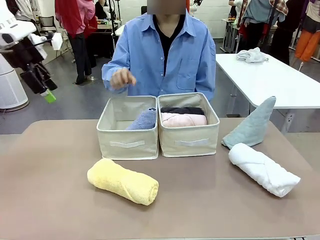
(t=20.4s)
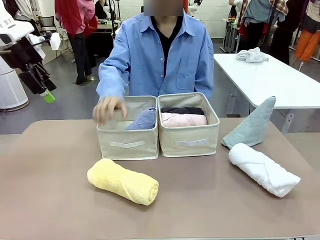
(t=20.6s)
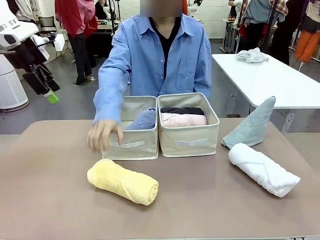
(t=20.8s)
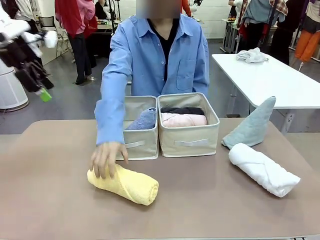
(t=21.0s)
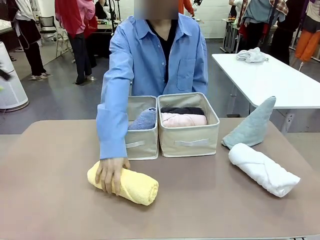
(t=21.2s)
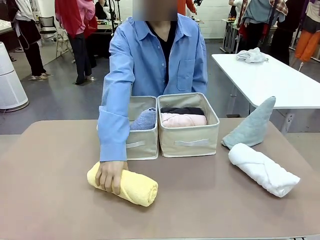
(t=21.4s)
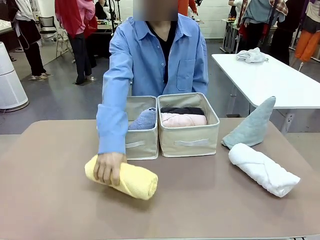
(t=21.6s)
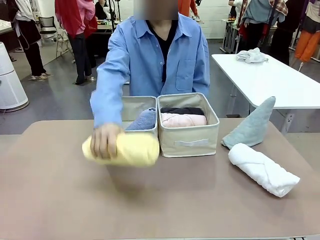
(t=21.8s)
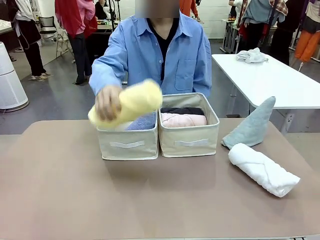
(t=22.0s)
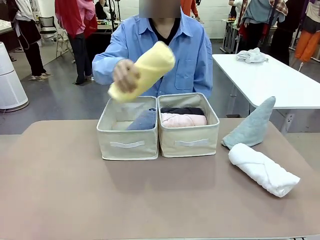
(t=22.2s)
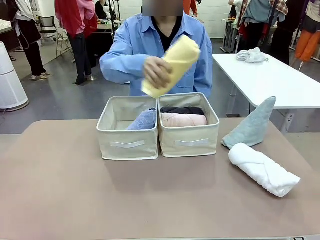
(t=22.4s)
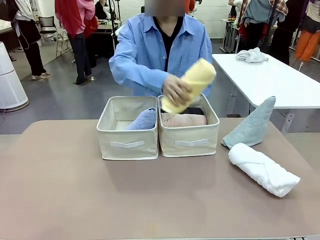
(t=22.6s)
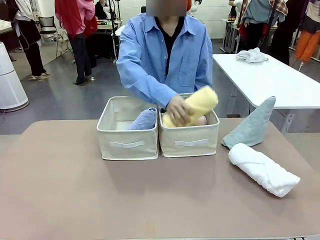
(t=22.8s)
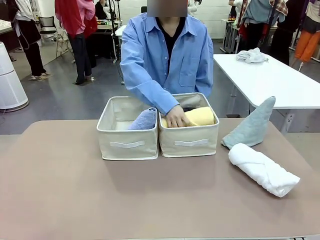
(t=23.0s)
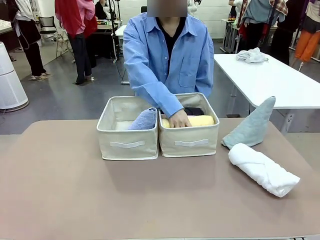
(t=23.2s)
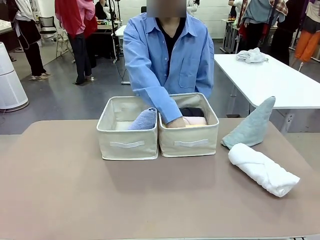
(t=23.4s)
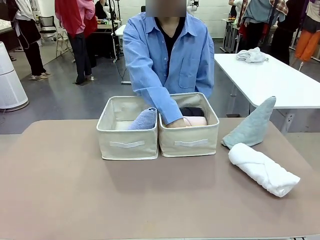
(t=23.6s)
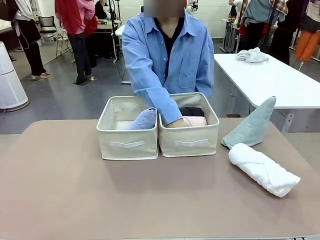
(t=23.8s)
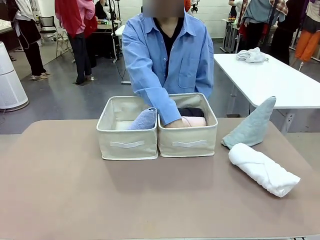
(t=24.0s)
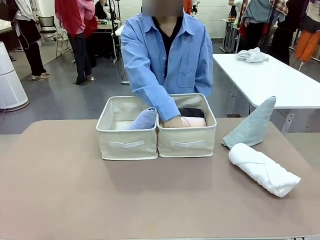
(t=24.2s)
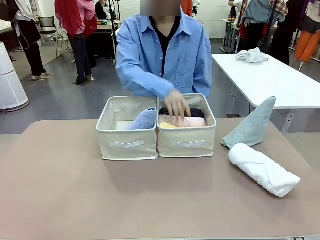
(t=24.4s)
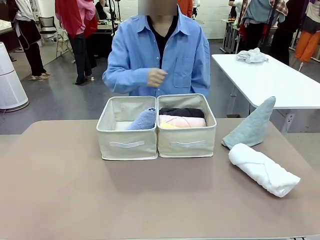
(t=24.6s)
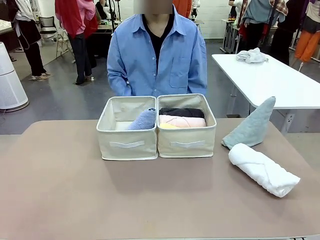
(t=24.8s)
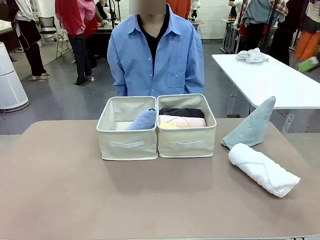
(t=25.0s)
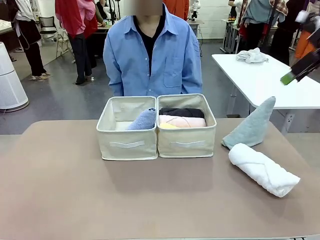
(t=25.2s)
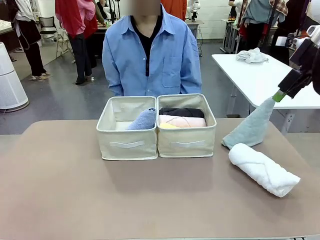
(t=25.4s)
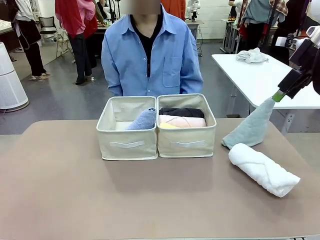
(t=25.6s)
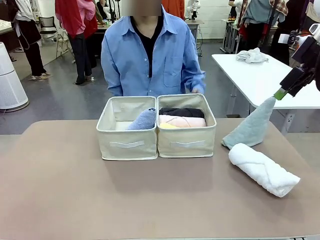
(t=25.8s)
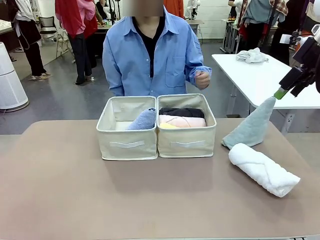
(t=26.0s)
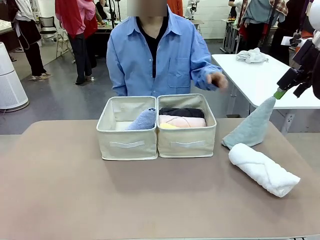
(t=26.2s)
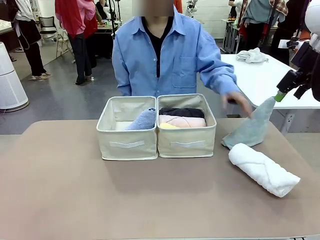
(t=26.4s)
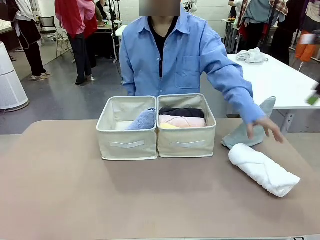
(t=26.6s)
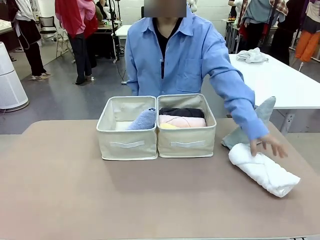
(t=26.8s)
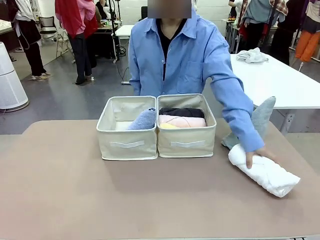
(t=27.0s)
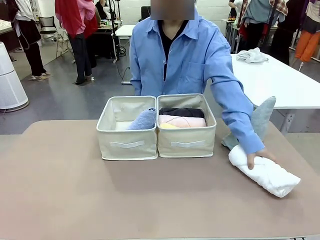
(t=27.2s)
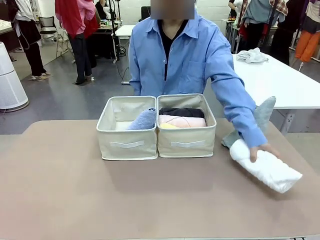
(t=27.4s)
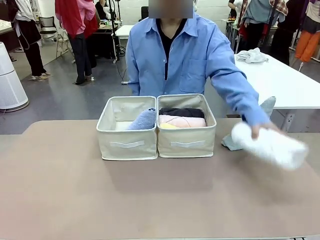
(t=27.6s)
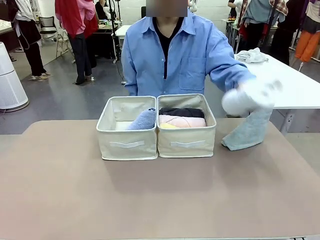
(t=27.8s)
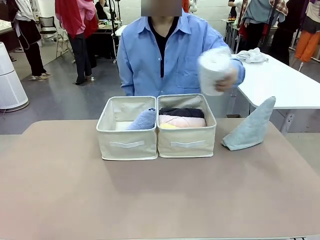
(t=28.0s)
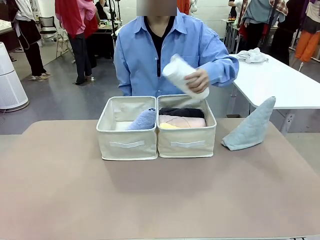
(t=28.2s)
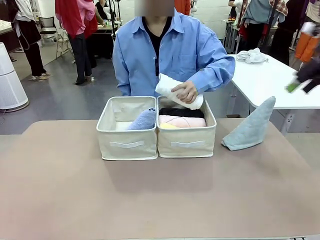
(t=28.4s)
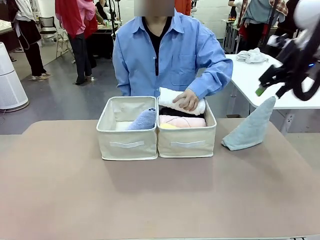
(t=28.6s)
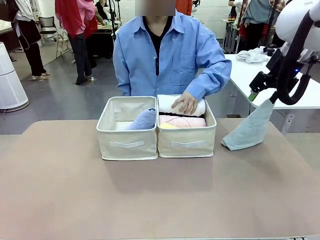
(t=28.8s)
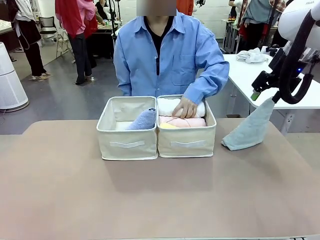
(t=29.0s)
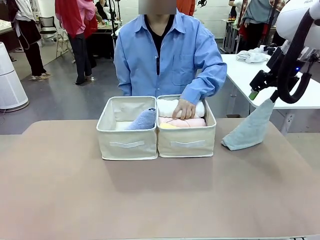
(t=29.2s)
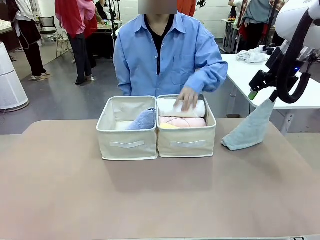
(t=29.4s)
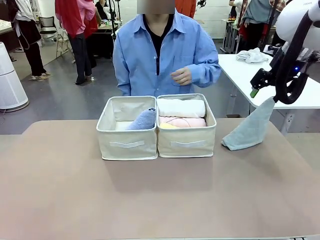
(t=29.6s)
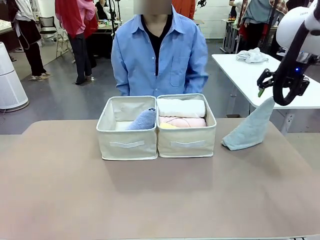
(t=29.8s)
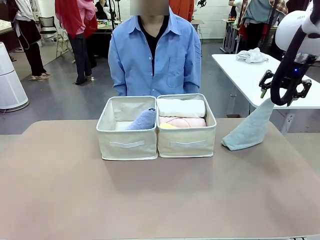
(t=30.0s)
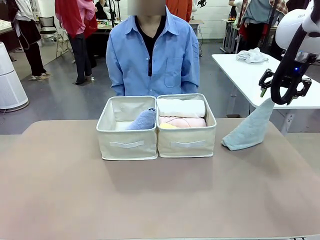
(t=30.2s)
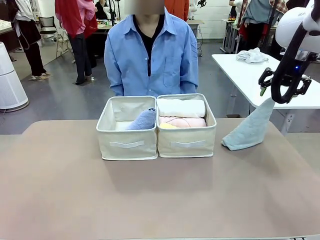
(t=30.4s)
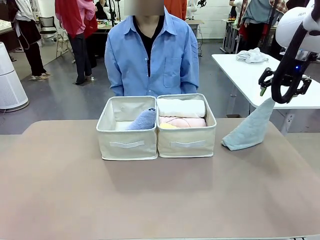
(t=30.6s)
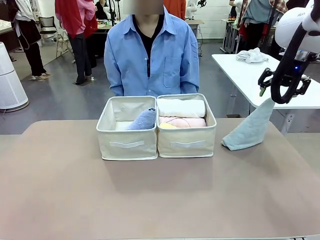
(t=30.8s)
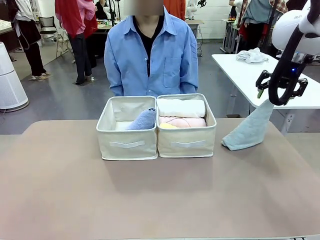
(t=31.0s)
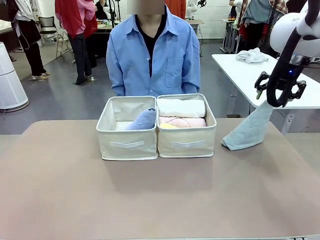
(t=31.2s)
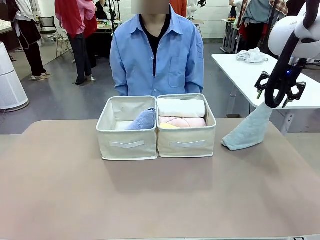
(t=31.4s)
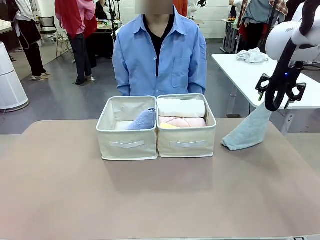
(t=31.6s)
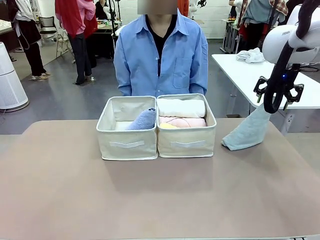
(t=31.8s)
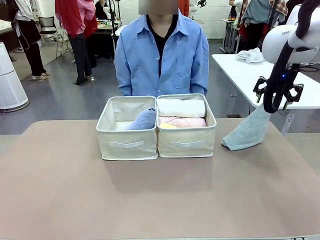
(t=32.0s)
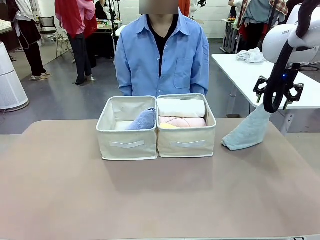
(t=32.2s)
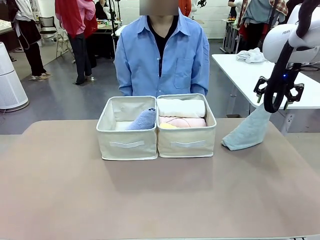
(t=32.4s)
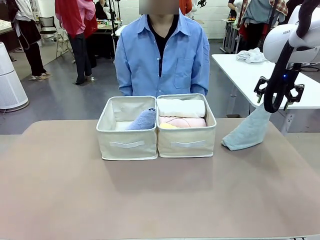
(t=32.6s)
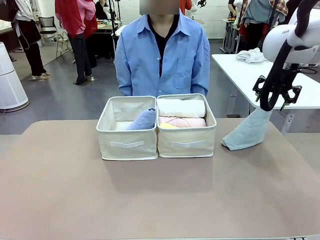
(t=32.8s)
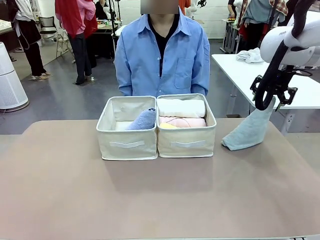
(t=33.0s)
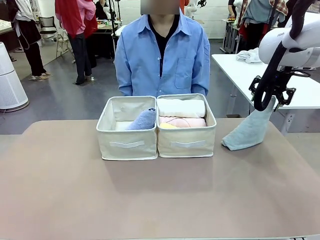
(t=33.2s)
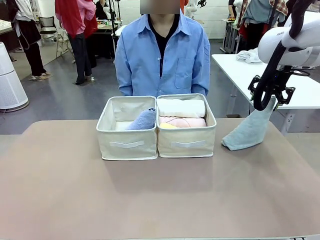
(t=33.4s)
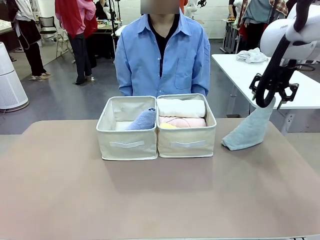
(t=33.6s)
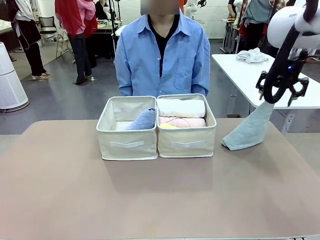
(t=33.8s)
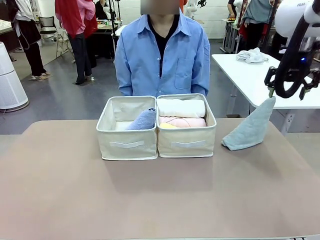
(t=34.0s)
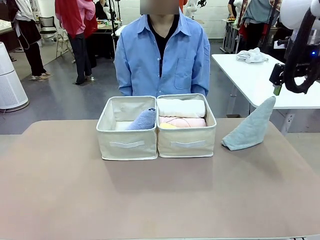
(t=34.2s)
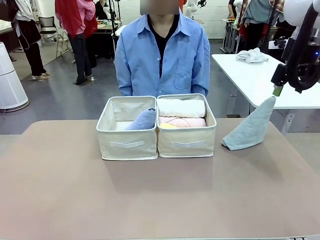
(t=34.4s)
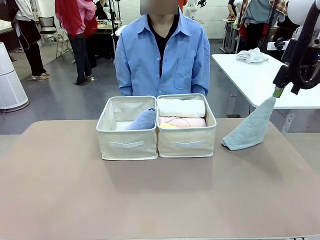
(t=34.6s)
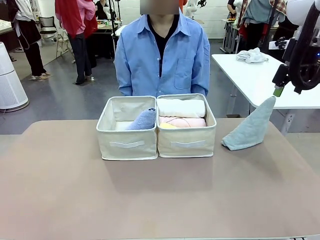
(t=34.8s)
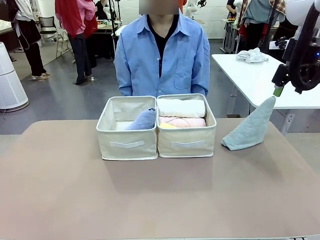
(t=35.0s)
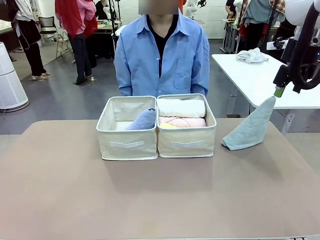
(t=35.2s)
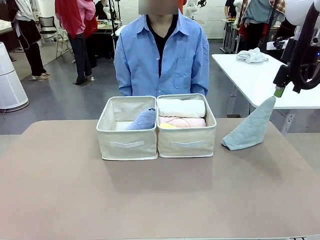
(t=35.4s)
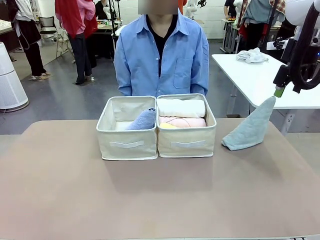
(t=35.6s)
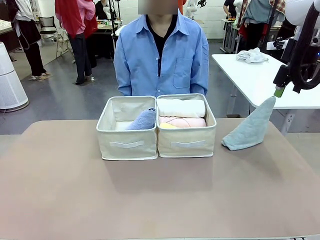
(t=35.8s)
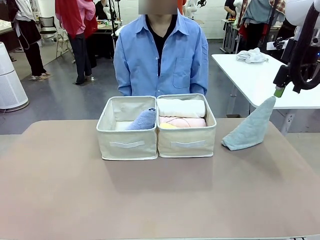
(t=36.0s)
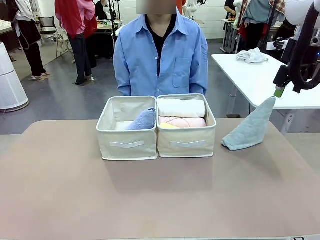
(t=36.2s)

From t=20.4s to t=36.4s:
Task: Sort the towels based on their folding style.
Robot: Pick up another triangle-folded towel from the table and place it in the left Fabric basket.
